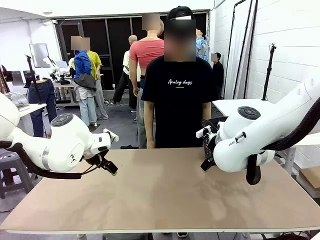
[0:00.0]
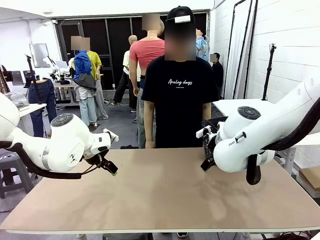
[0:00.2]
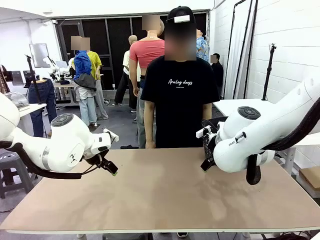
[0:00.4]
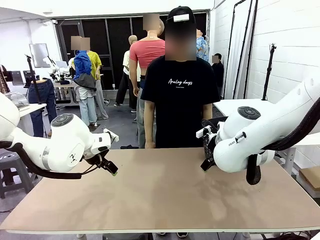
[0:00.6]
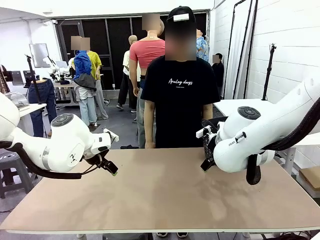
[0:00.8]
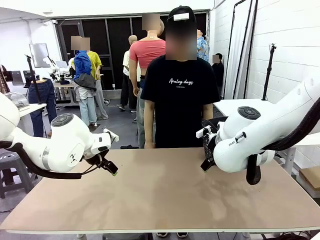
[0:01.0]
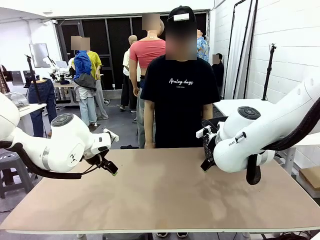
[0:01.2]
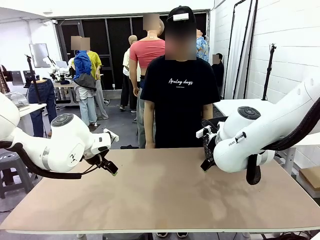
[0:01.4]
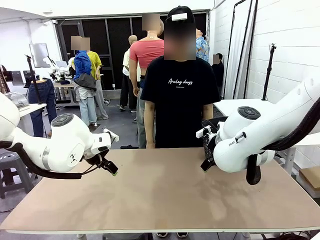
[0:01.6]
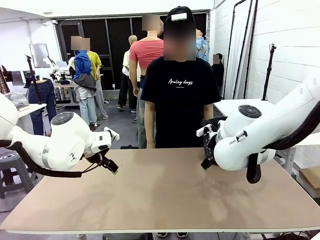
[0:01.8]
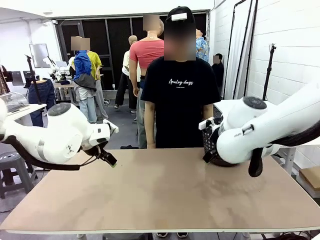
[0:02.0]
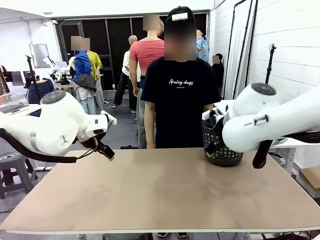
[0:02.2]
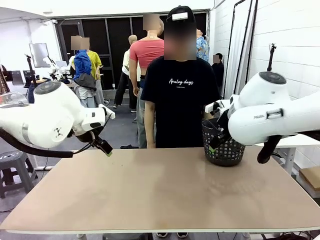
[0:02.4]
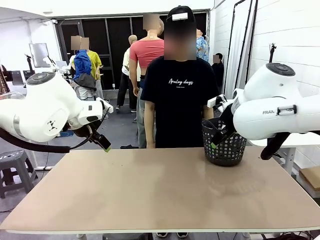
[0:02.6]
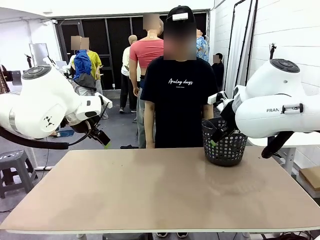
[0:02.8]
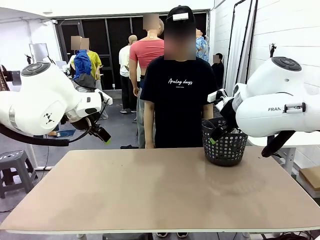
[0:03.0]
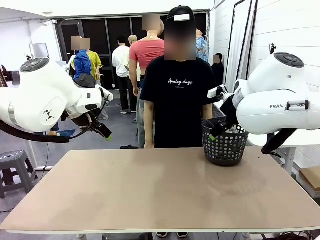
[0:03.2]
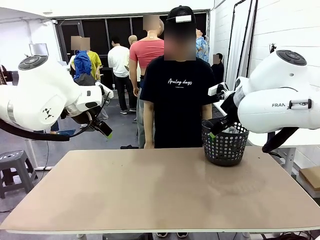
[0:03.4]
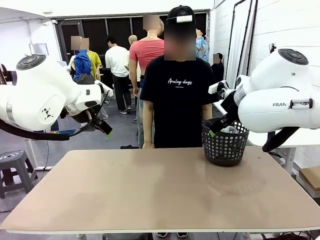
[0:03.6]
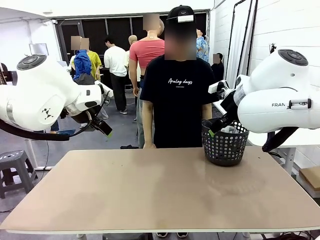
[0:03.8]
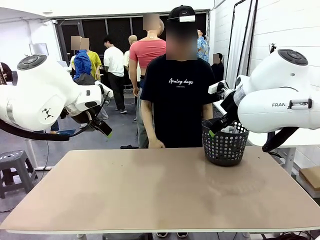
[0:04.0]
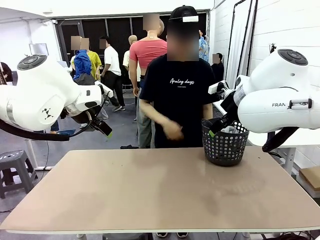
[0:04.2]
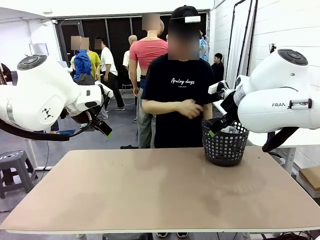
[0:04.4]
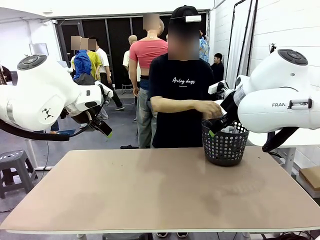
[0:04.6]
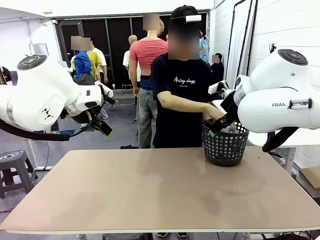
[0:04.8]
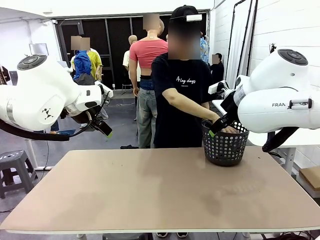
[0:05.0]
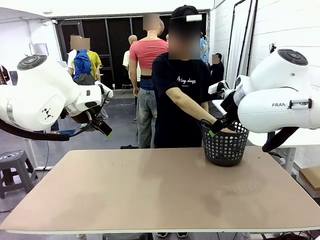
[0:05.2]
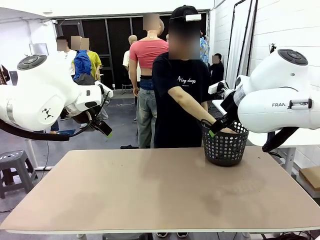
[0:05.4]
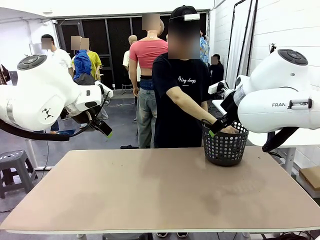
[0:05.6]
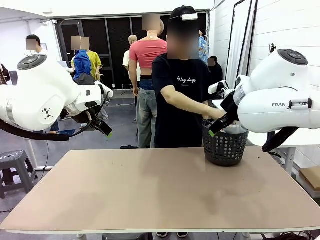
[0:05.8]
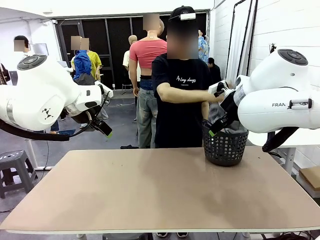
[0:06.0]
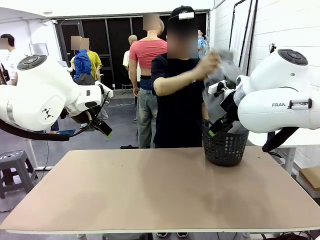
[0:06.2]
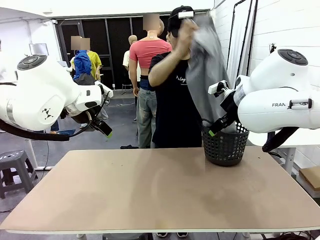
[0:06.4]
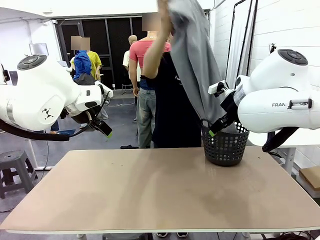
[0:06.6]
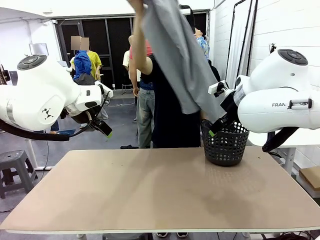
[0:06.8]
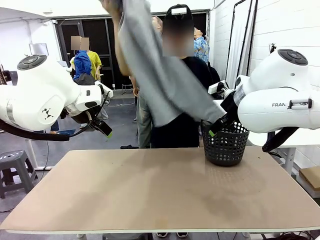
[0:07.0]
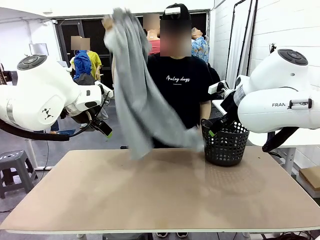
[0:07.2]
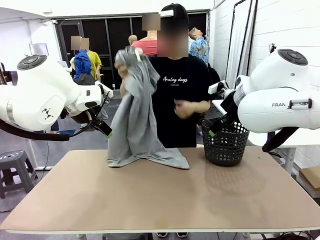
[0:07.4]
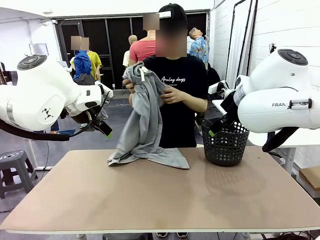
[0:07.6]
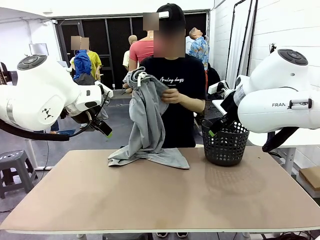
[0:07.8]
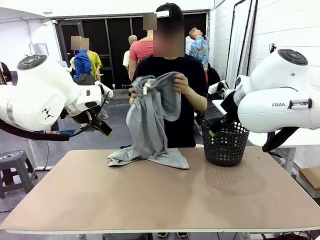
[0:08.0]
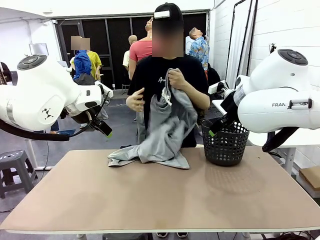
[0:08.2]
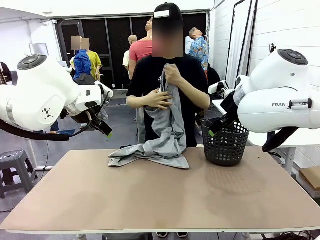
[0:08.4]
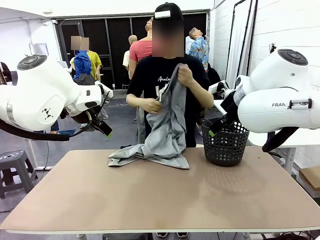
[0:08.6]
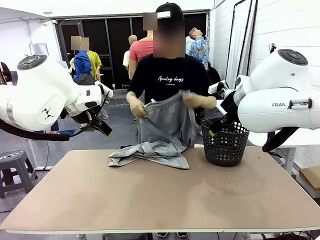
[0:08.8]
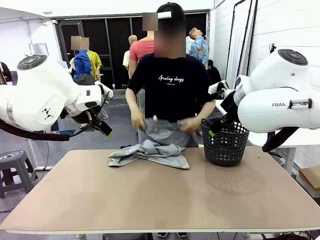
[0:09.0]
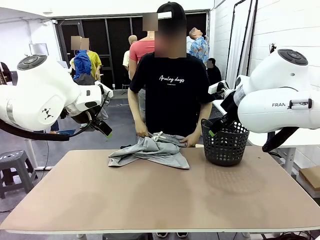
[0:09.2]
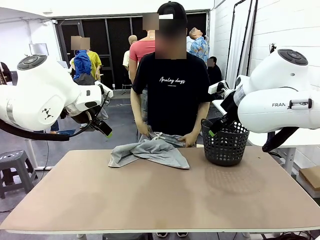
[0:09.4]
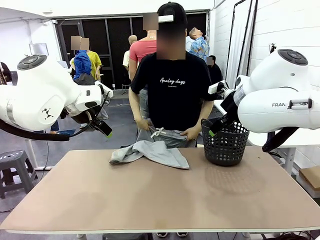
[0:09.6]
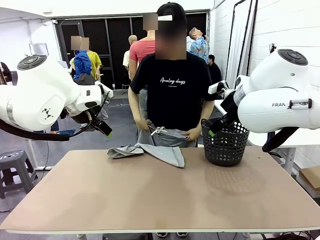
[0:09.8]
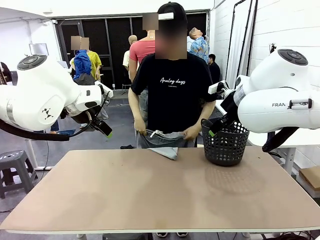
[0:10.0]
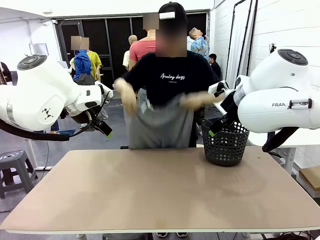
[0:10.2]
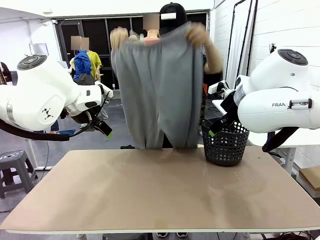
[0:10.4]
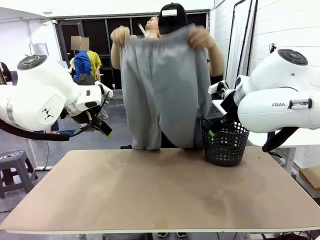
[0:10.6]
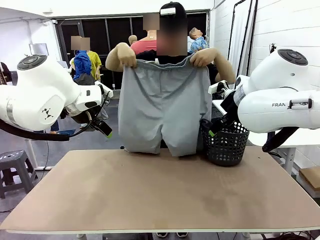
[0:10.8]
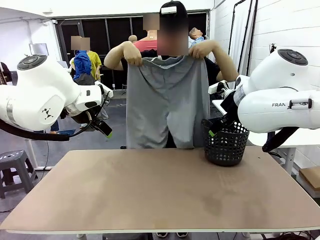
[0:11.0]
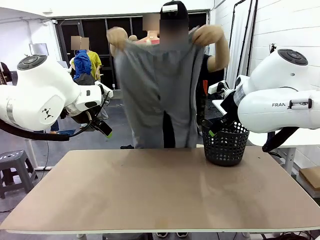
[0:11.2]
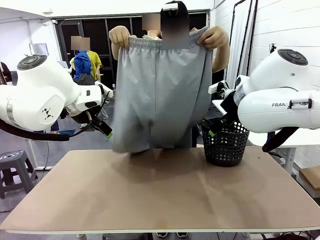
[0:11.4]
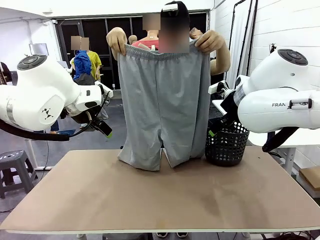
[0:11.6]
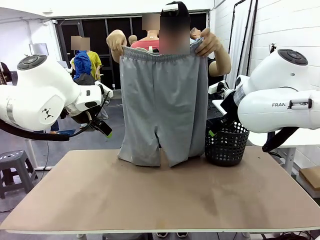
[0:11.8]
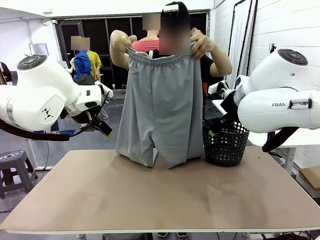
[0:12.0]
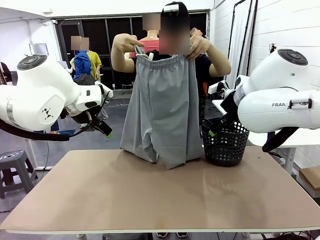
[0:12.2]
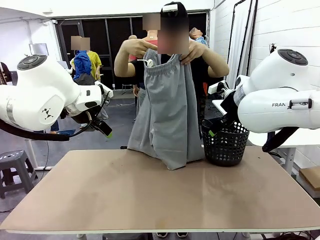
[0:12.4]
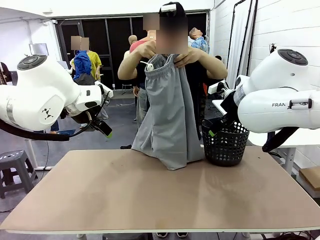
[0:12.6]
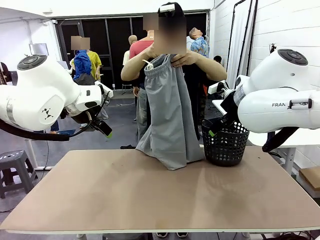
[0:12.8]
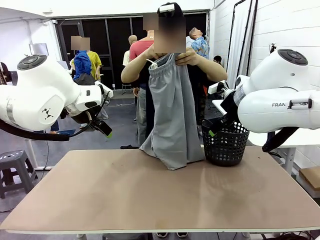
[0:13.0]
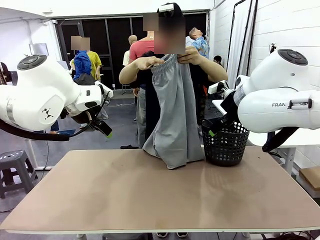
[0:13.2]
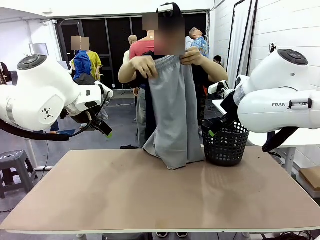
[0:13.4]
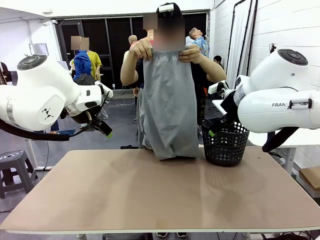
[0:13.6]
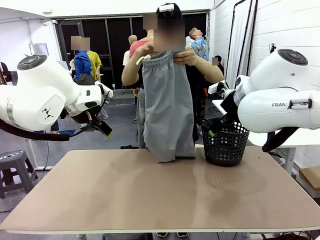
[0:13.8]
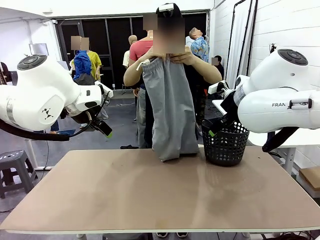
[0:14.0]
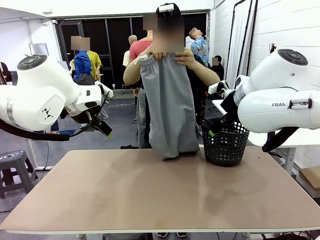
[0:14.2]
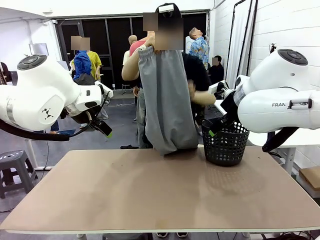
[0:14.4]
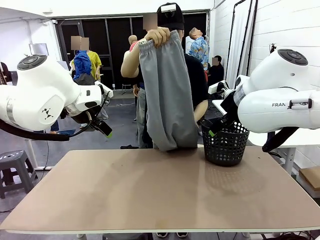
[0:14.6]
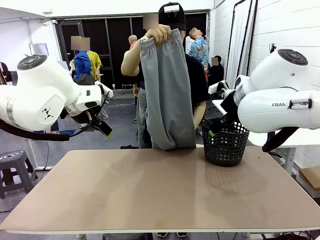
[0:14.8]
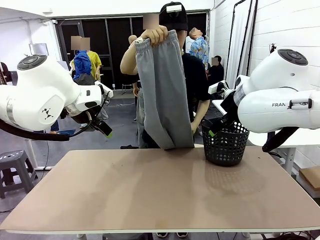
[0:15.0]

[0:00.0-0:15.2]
Task: Fold the training pants.
Robot: Grab both ends of the Training pants handed by a person.
Person: Take the long pants out of the laundry basket, unfold them, fold the waist in half, and extend them so the robot can pick up both corners.
